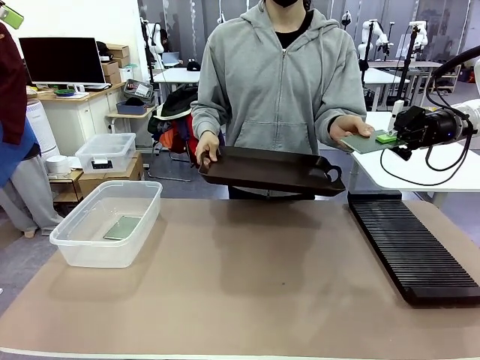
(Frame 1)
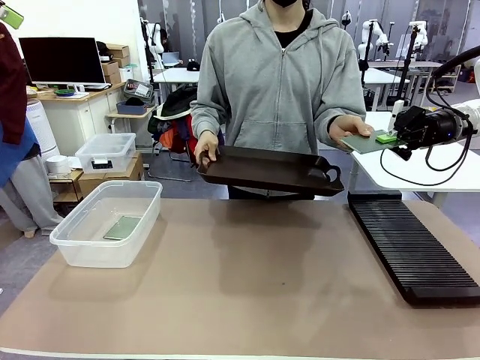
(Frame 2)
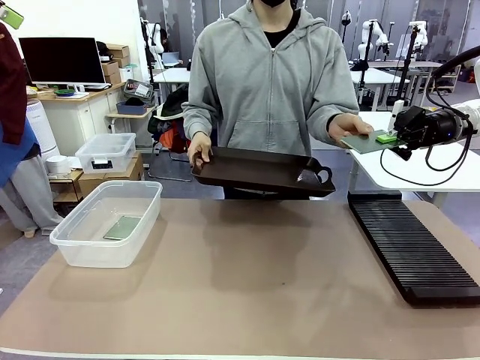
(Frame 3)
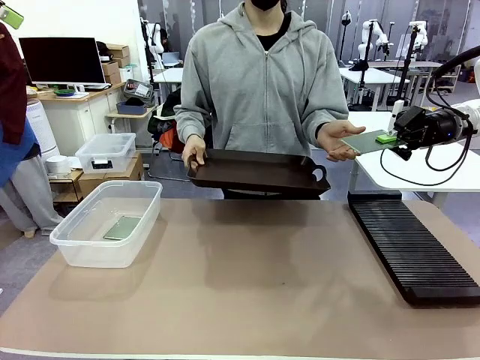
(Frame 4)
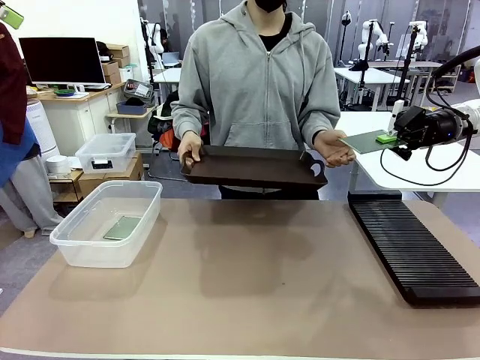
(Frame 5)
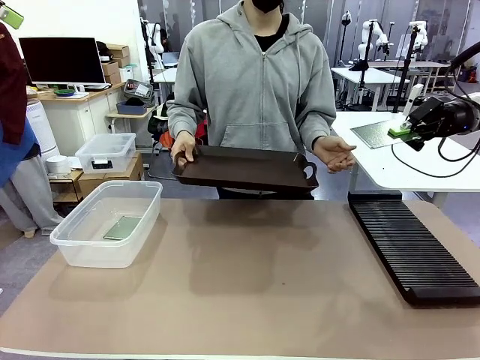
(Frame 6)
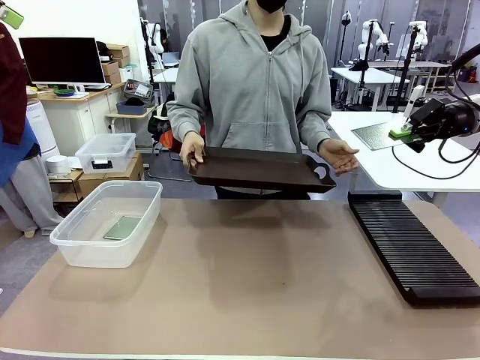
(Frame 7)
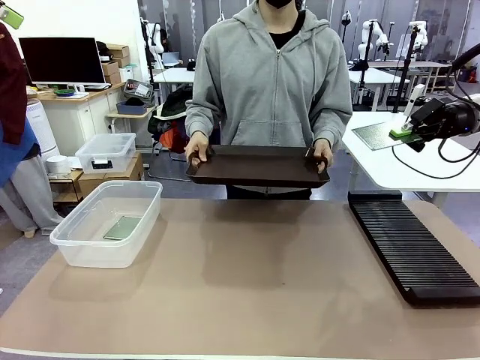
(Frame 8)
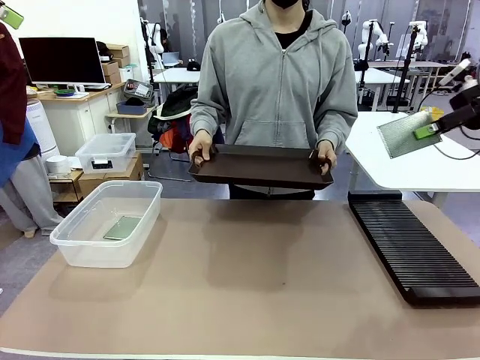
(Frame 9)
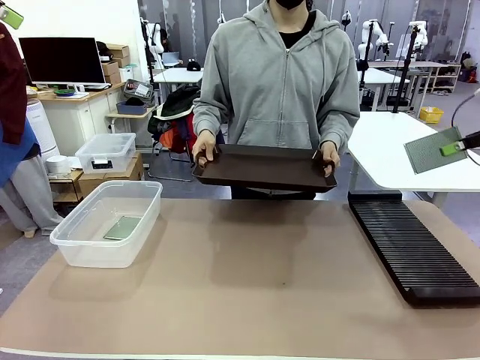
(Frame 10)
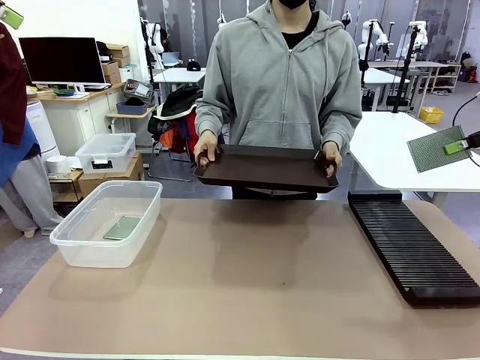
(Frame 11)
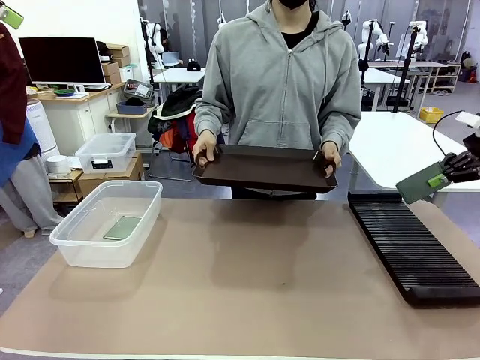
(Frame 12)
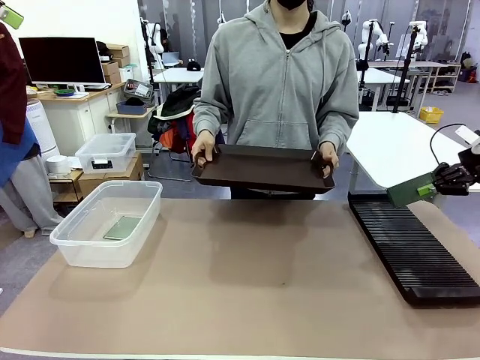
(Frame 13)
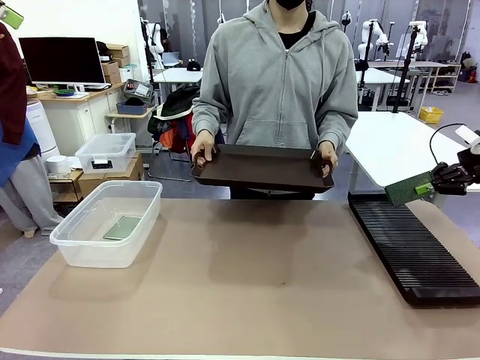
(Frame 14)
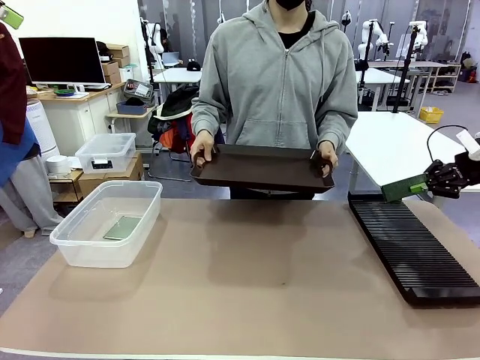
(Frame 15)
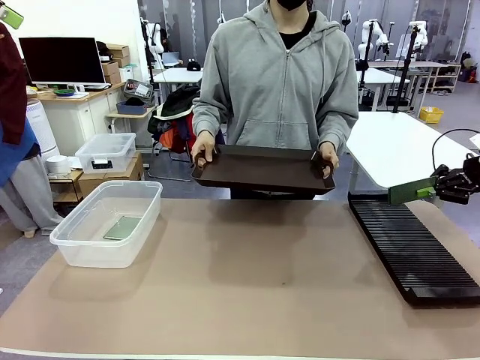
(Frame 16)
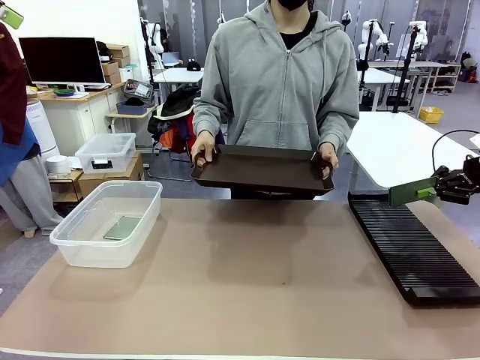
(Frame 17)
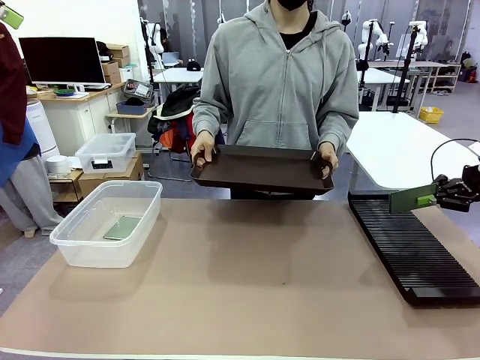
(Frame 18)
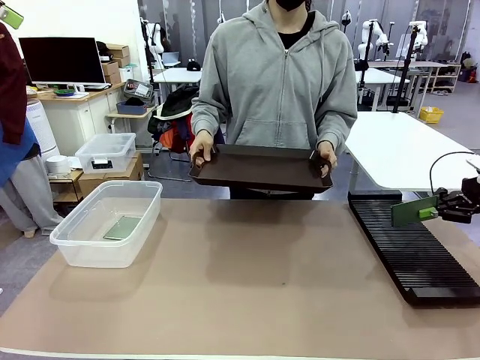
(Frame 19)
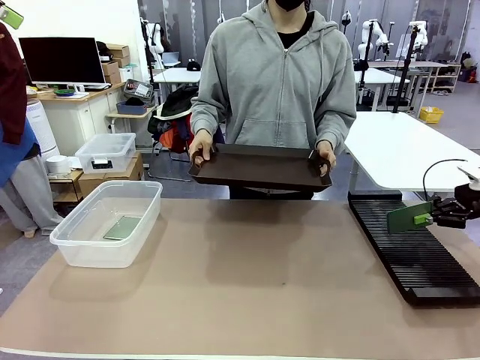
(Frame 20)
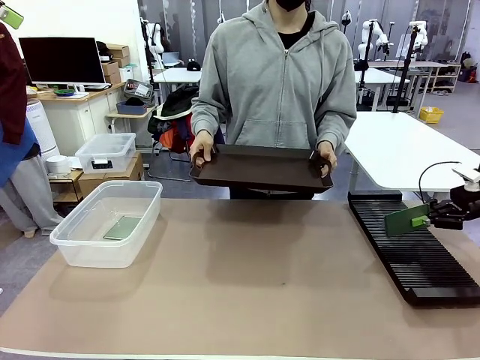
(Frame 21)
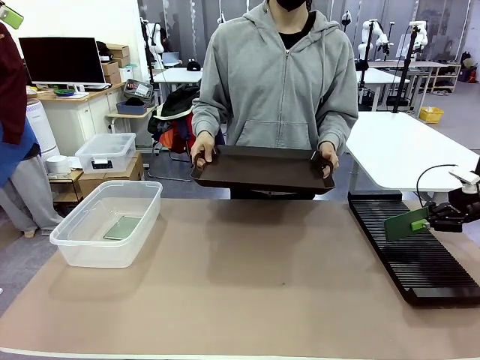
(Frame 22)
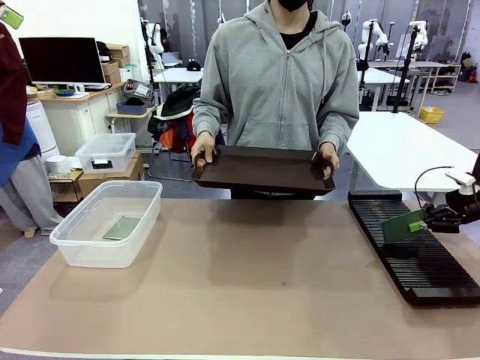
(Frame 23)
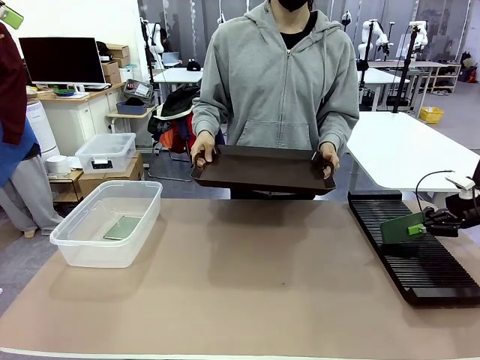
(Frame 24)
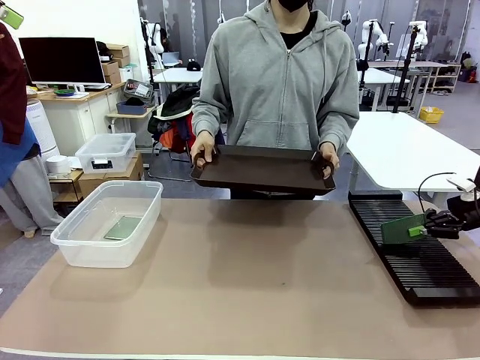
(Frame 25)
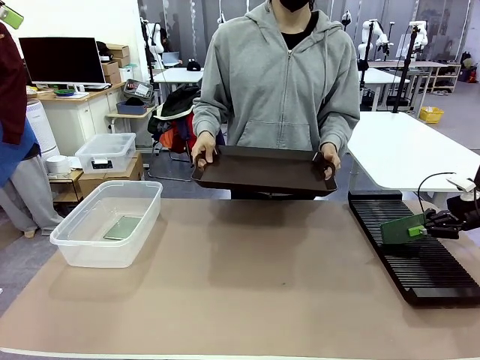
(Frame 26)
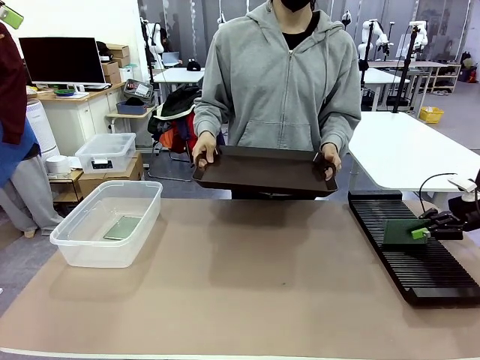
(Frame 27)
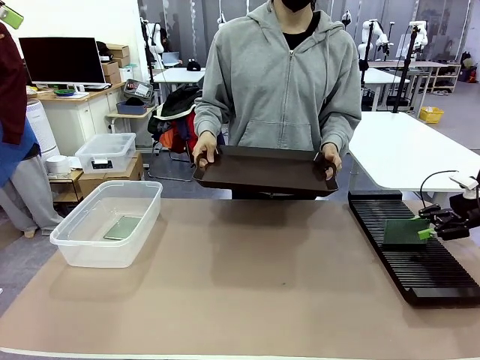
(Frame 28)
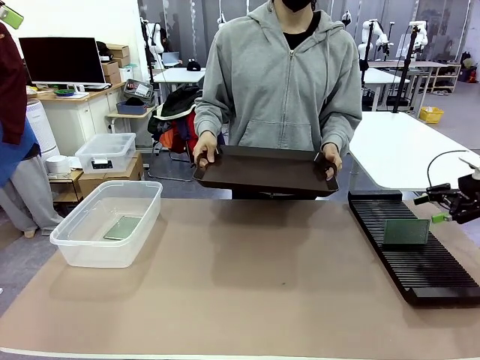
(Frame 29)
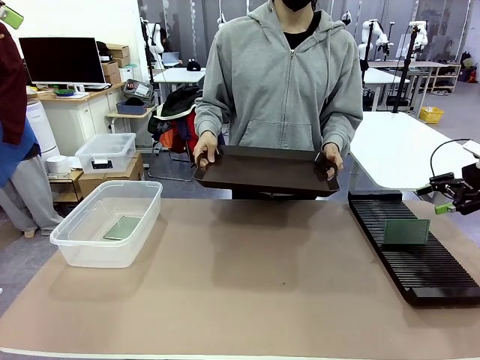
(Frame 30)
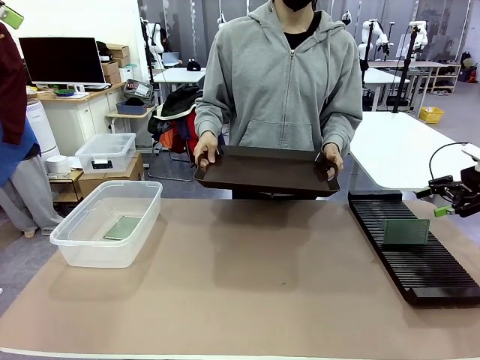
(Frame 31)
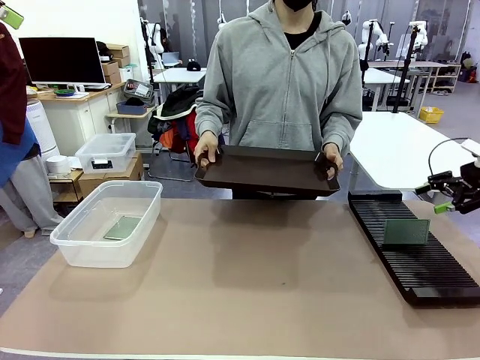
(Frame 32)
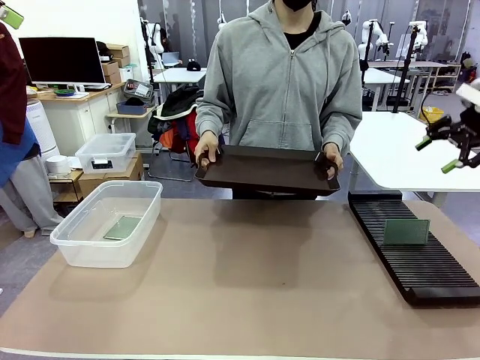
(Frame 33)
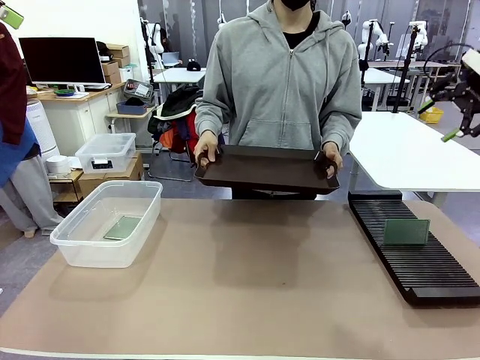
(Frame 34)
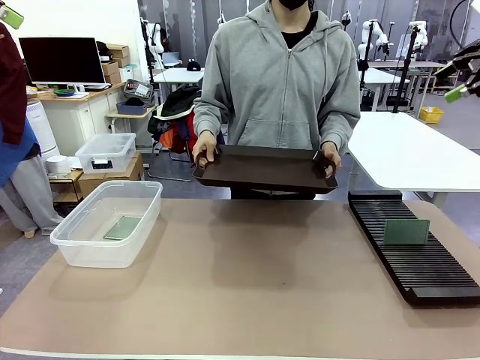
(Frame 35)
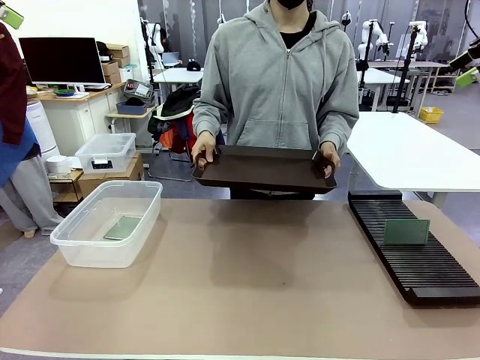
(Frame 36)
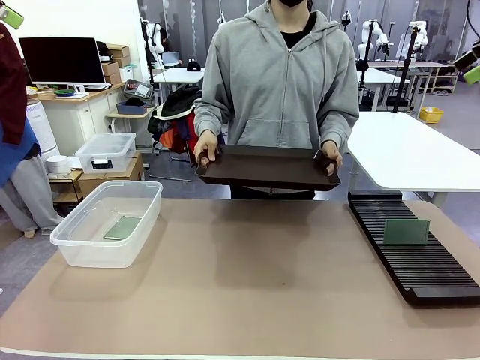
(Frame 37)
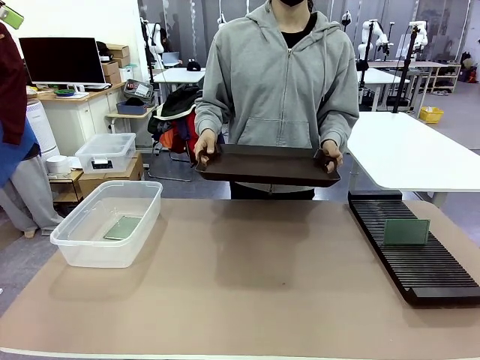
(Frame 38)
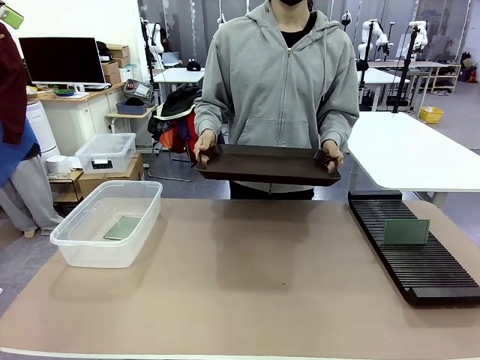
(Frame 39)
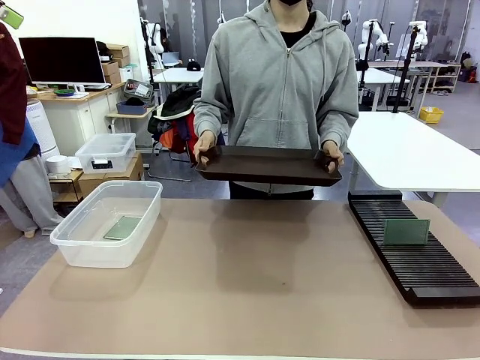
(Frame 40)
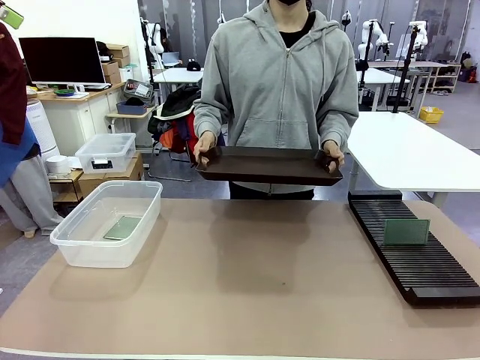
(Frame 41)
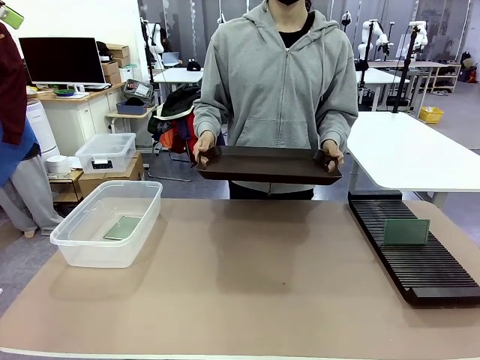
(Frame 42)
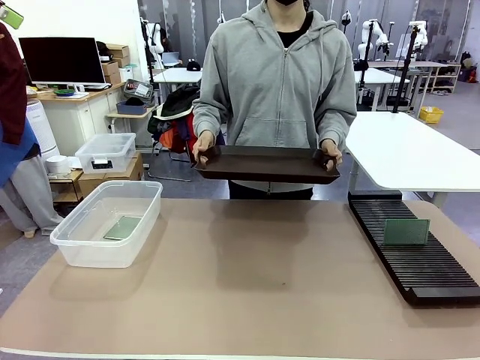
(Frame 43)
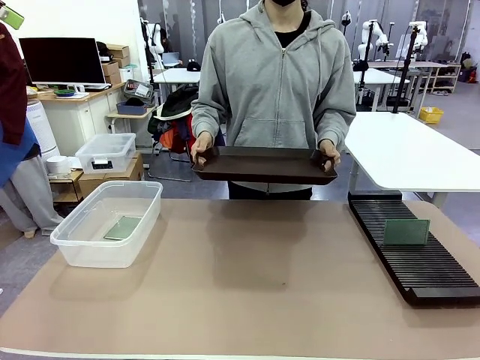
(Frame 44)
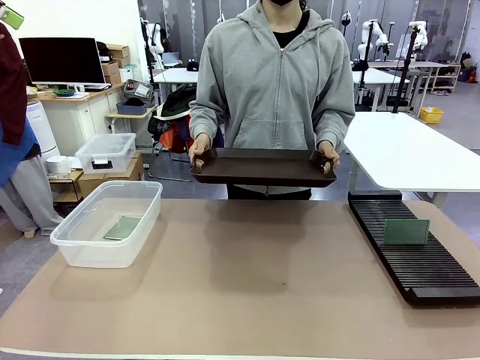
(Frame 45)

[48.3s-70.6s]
Task: Sort PCBs into racks and boxes based on the side picked up.
Robot: If the short side of the Blank PCB is picked up, insert it into the PCB Rack ; if the long side is picked up, place it in the Organizing box.
Person: Release the PCB being held.
